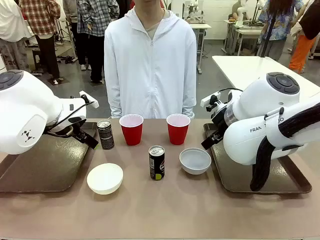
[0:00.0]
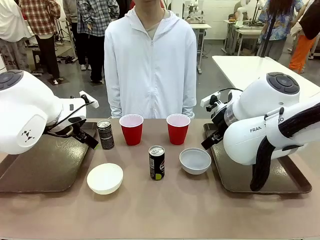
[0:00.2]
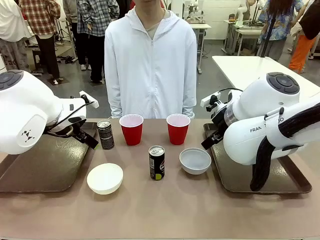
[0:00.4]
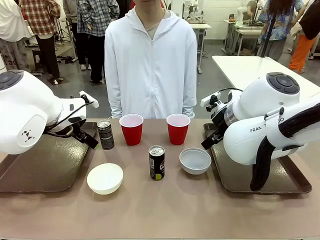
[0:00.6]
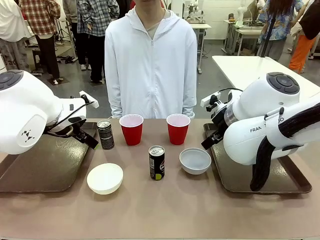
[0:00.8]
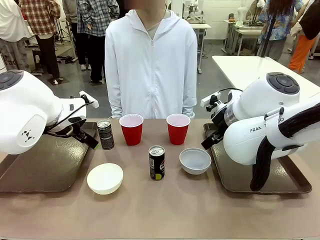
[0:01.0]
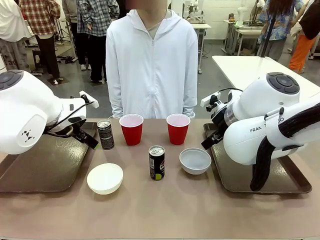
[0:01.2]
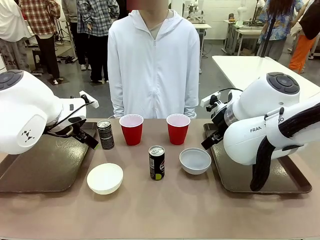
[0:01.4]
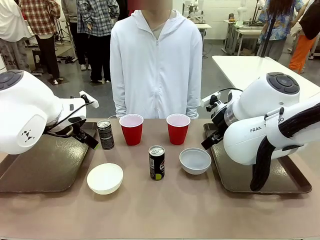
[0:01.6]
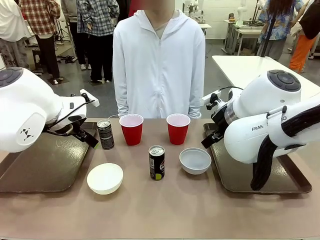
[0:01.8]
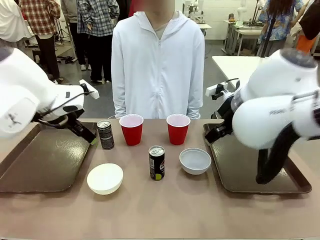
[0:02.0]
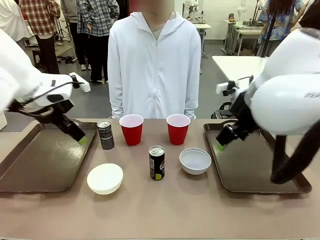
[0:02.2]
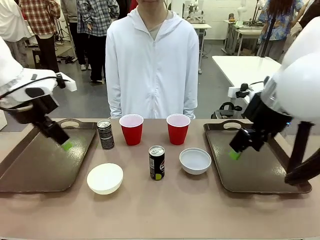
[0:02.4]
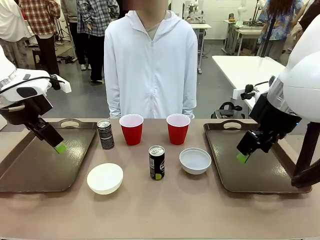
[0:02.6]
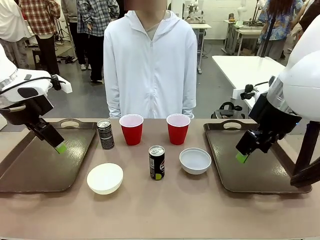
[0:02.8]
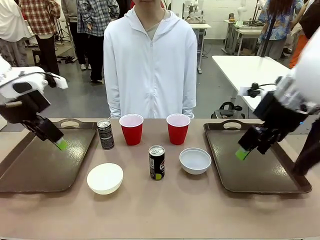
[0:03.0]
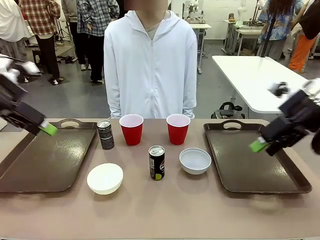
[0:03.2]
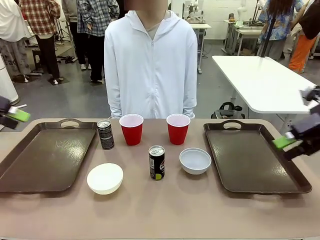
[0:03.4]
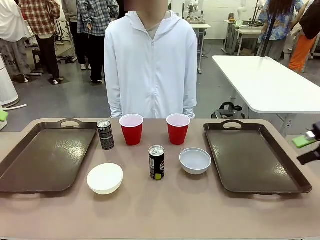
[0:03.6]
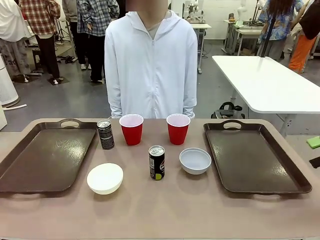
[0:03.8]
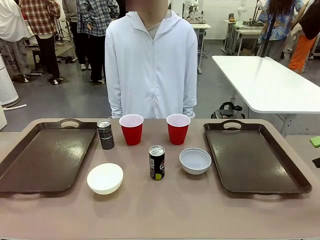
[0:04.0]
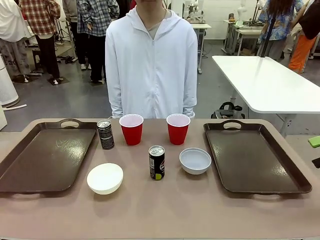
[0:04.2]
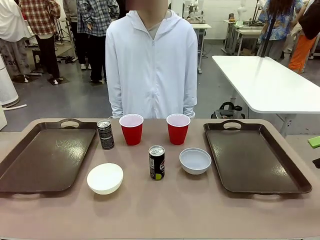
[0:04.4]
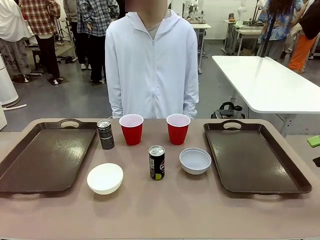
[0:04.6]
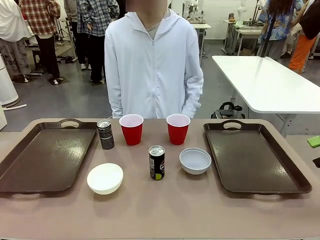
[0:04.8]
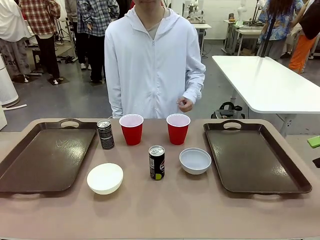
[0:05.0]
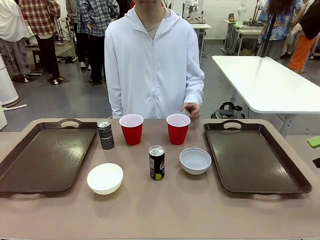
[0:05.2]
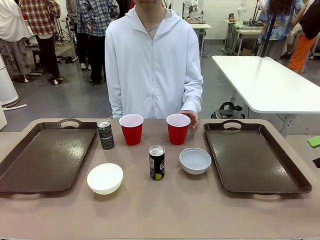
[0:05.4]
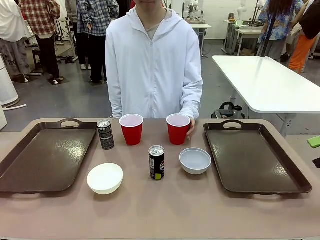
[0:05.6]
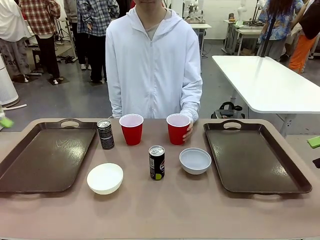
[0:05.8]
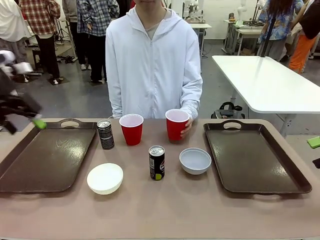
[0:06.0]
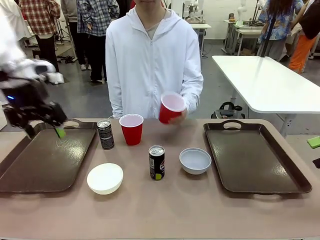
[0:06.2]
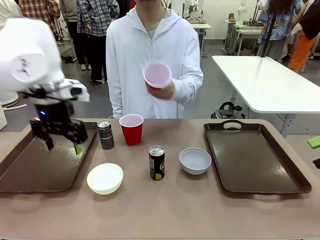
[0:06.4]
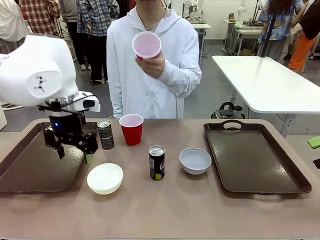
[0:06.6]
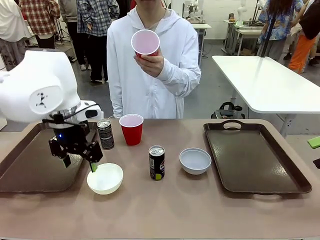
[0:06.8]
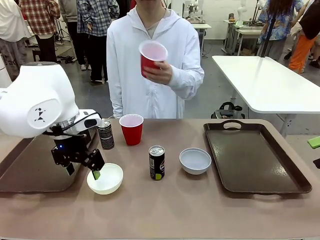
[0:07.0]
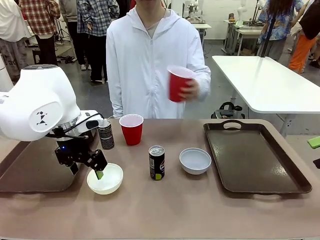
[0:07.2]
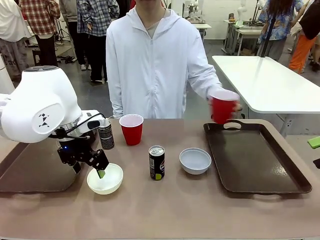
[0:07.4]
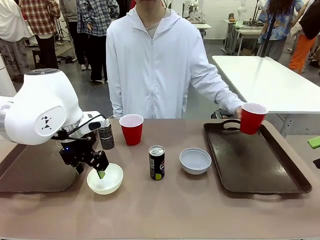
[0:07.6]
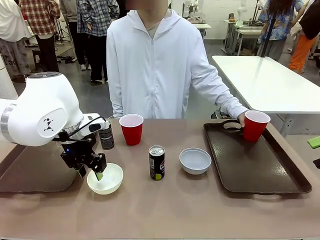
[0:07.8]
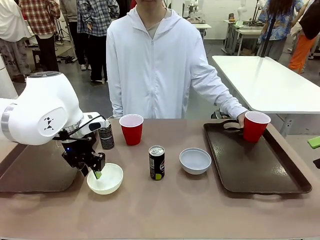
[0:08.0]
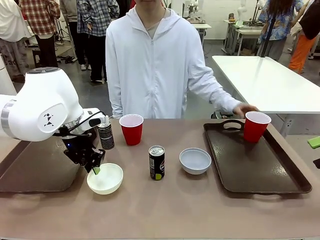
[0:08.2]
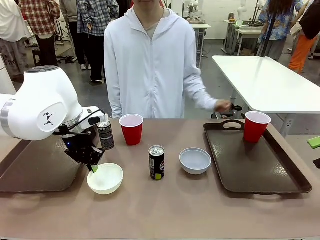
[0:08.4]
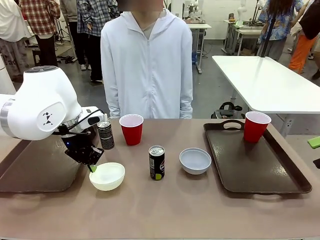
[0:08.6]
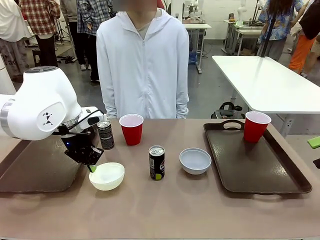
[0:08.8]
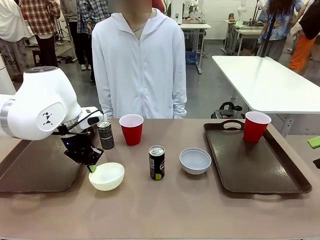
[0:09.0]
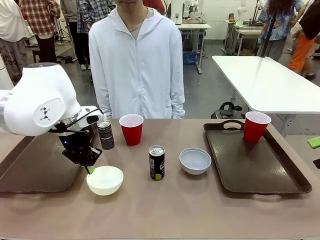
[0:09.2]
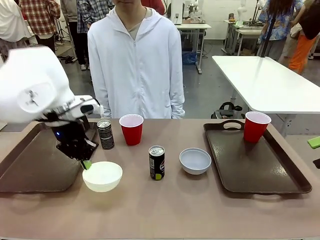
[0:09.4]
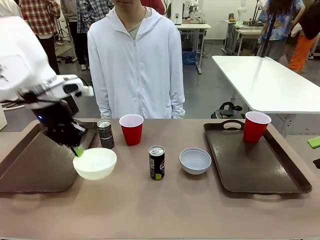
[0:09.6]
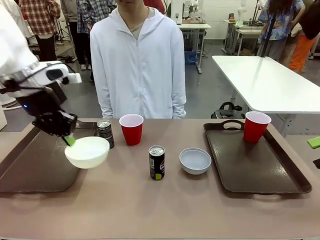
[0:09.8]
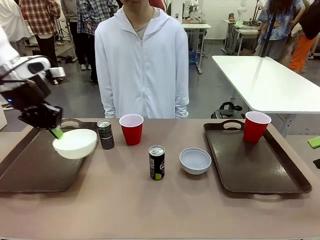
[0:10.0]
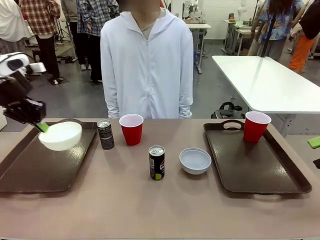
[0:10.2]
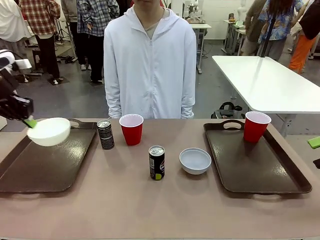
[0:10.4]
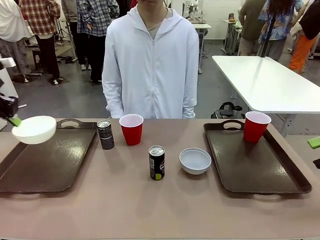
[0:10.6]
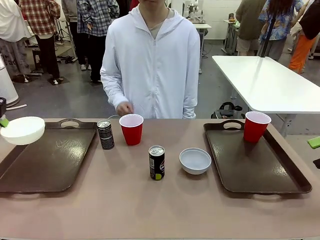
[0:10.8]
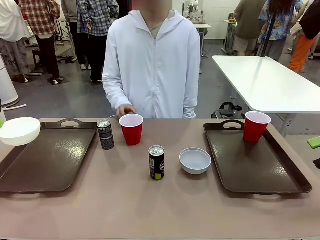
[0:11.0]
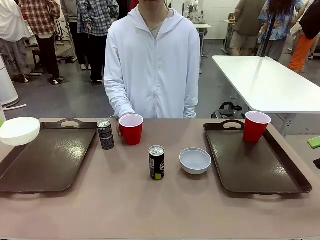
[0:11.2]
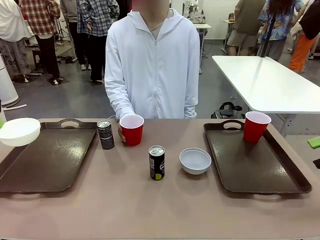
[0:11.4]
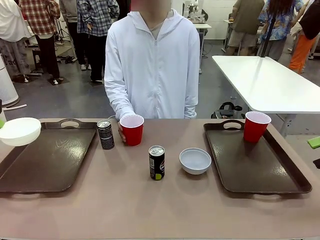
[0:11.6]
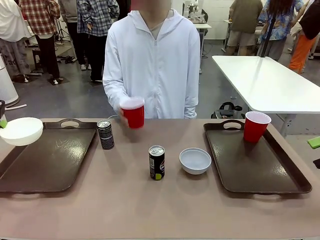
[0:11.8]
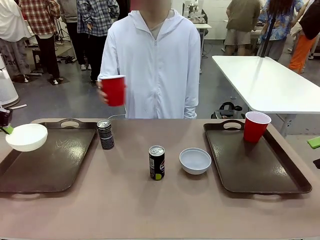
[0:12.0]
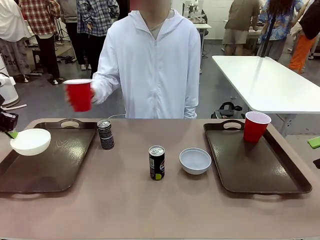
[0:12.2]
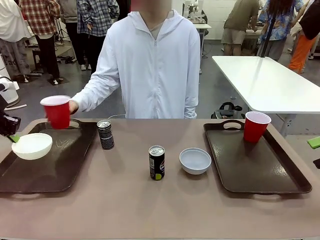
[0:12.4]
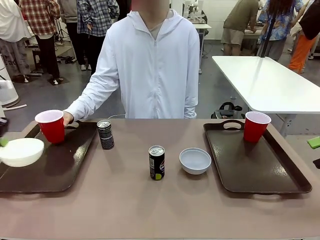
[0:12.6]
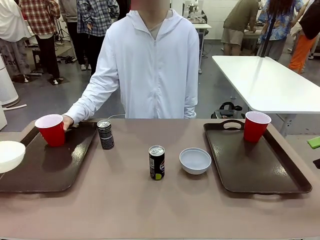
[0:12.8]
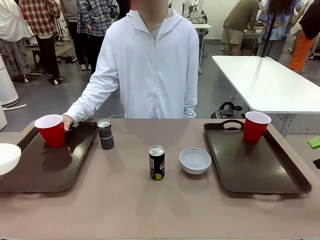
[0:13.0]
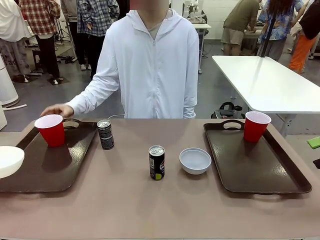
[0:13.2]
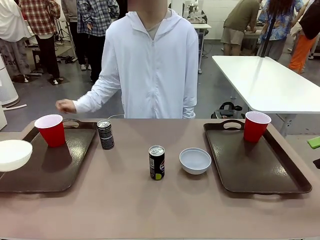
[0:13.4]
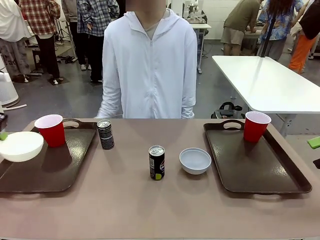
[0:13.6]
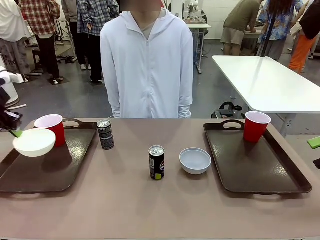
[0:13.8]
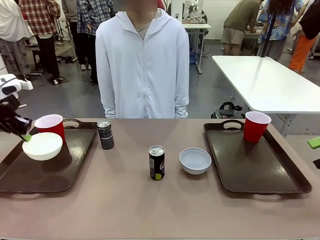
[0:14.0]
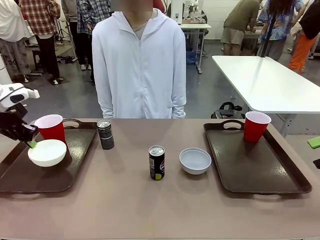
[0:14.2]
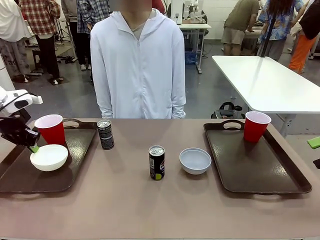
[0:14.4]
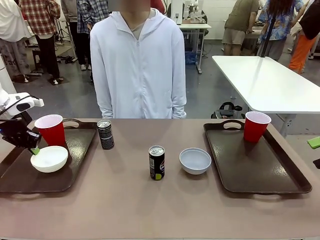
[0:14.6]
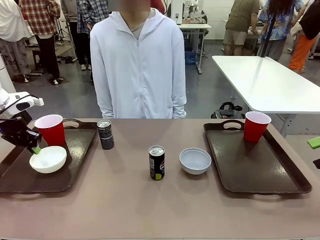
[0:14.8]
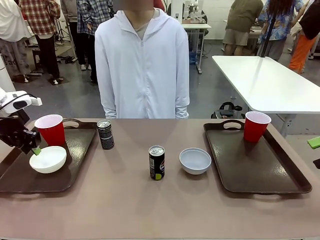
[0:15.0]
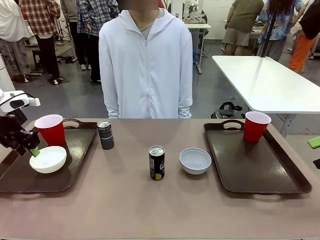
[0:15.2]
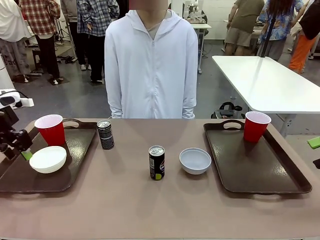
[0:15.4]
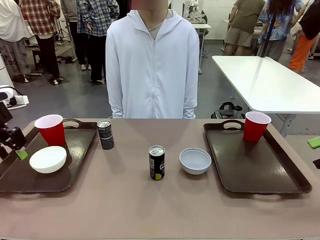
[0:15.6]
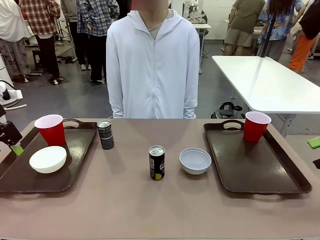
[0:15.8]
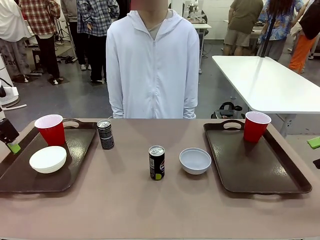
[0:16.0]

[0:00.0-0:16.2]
Task: Prepare tableware on both trays.
Robot: Pick up a Picnic Bowl from the table and place it on a Handle tray.
Person: Pick up a can or cup and place it on the tray.
